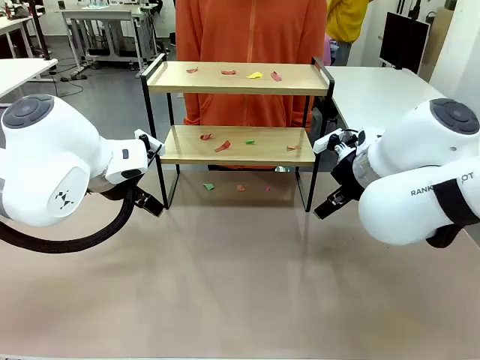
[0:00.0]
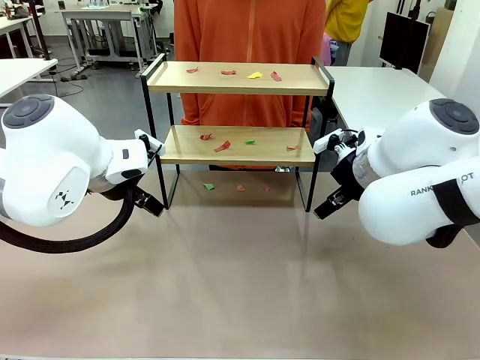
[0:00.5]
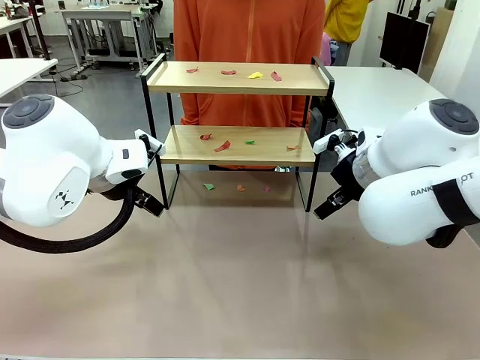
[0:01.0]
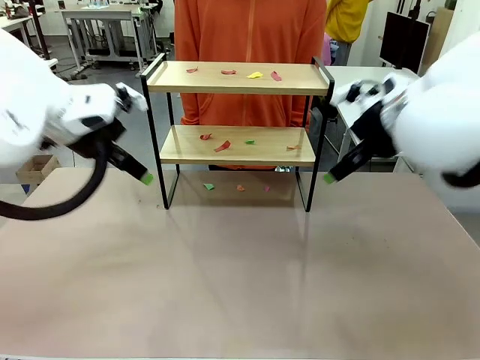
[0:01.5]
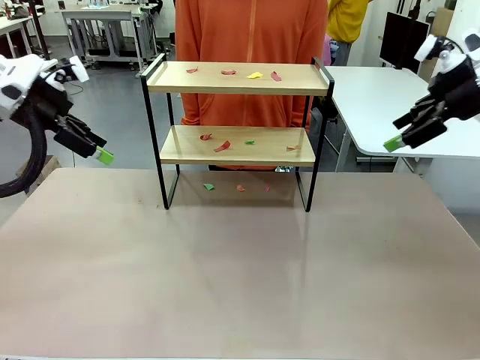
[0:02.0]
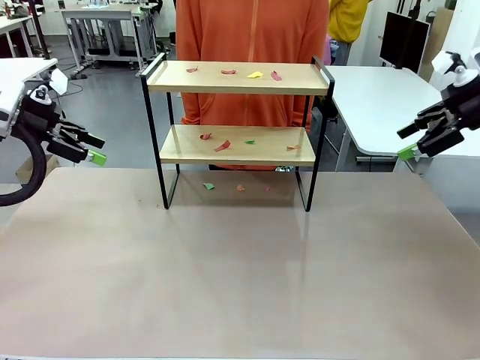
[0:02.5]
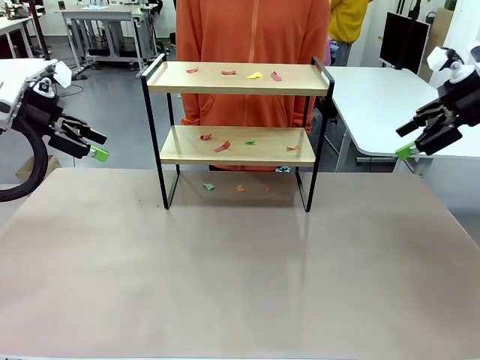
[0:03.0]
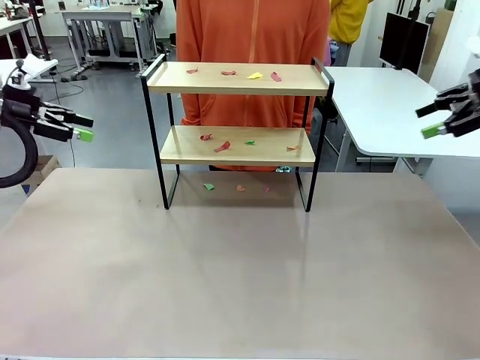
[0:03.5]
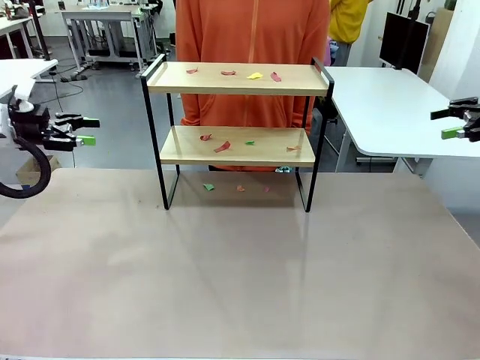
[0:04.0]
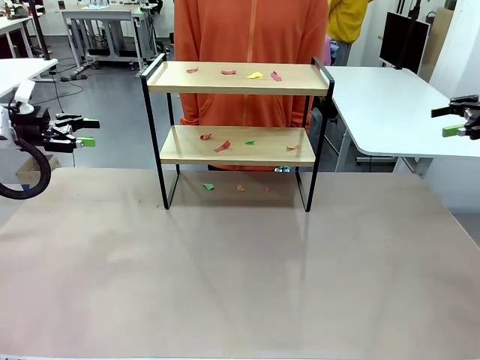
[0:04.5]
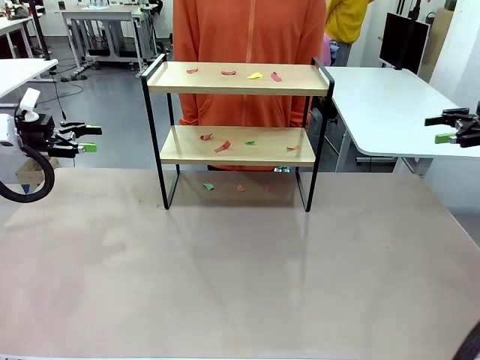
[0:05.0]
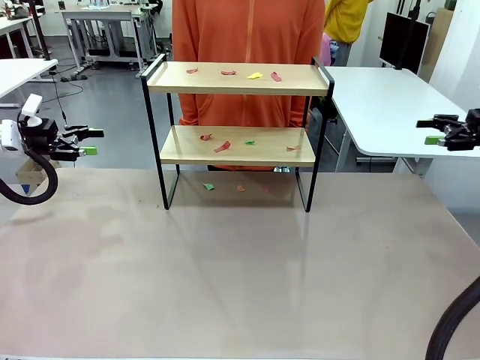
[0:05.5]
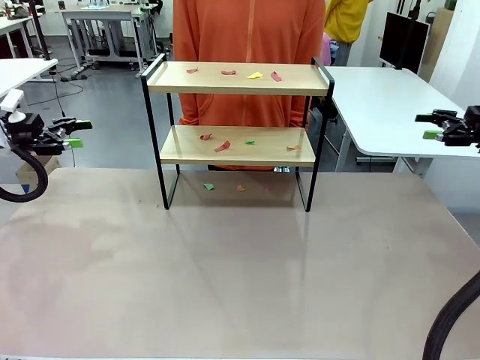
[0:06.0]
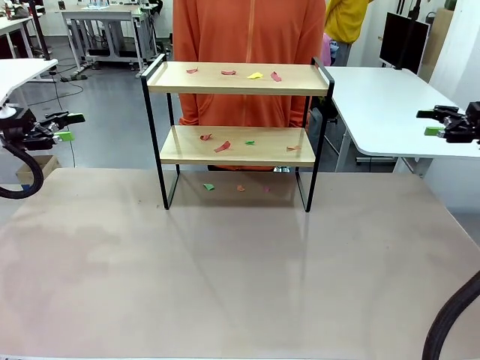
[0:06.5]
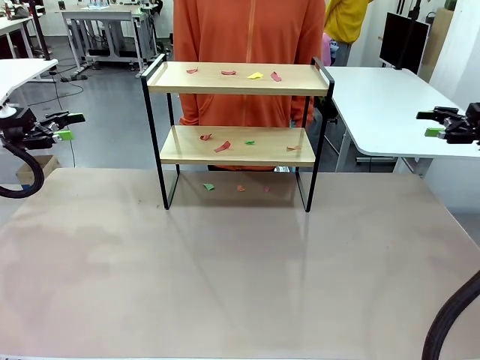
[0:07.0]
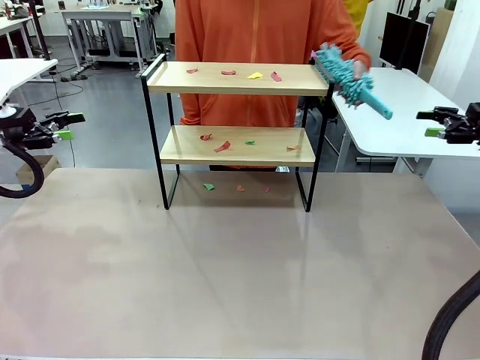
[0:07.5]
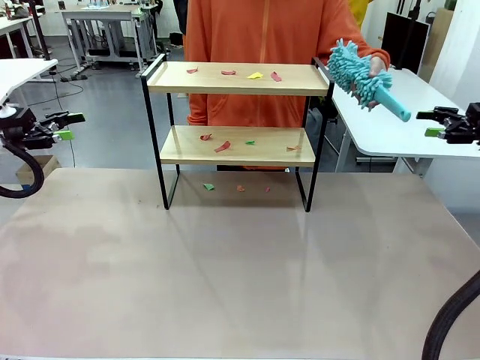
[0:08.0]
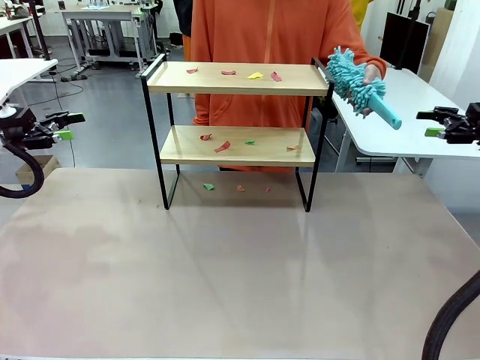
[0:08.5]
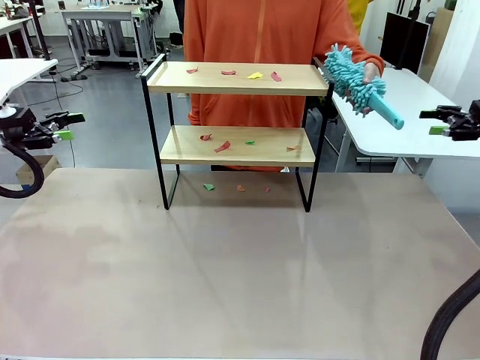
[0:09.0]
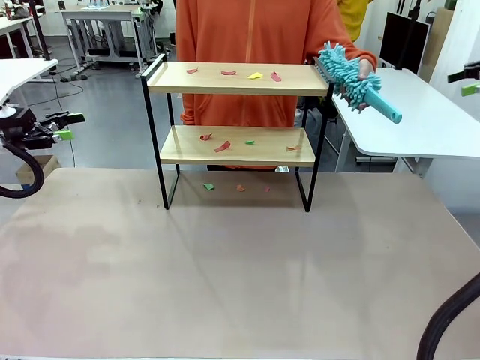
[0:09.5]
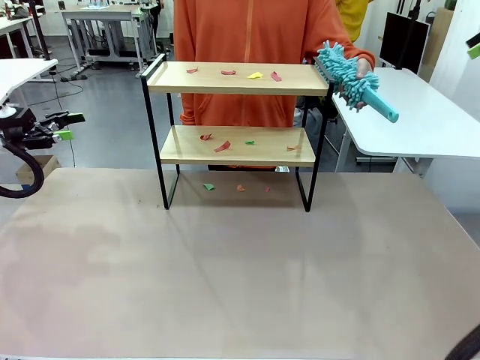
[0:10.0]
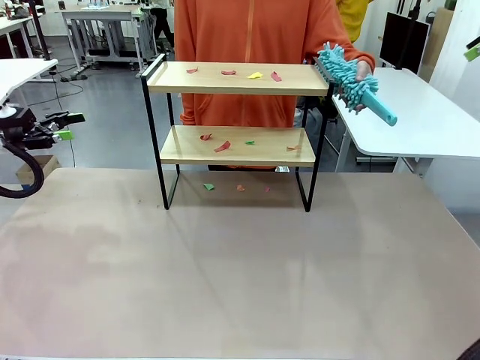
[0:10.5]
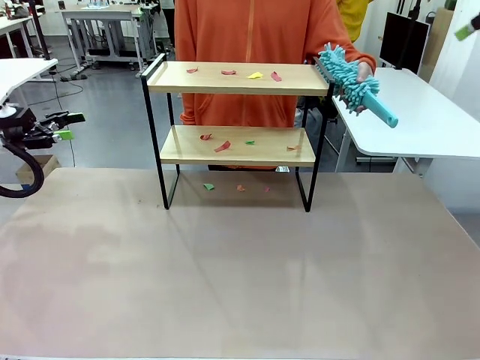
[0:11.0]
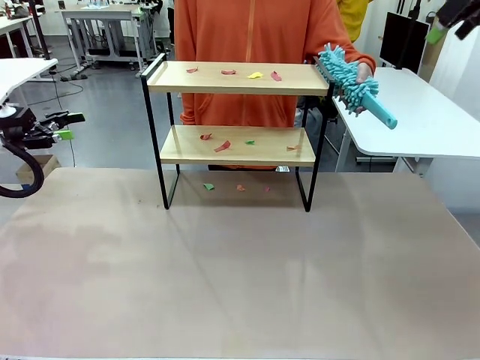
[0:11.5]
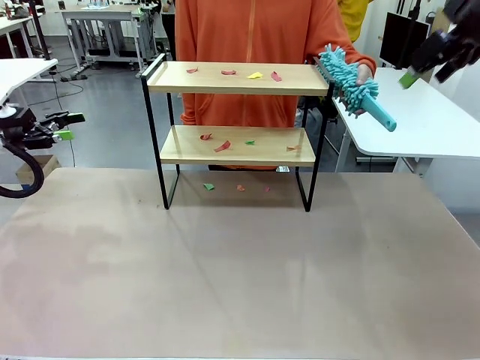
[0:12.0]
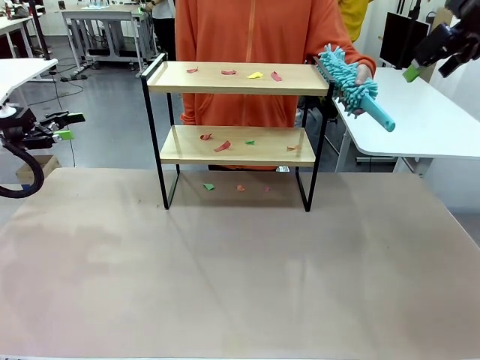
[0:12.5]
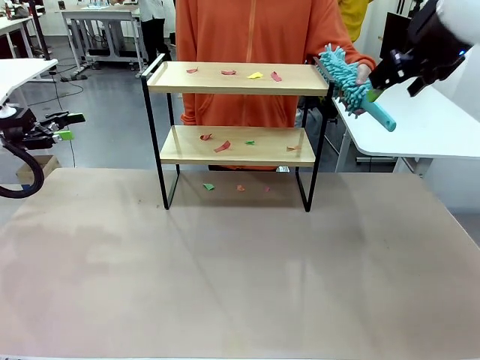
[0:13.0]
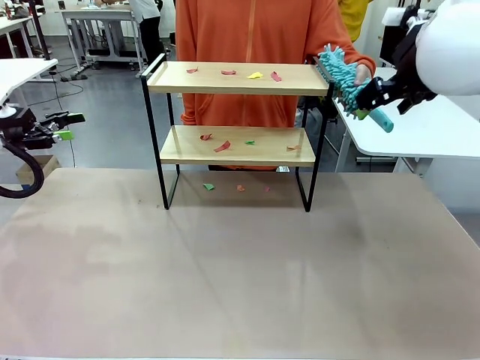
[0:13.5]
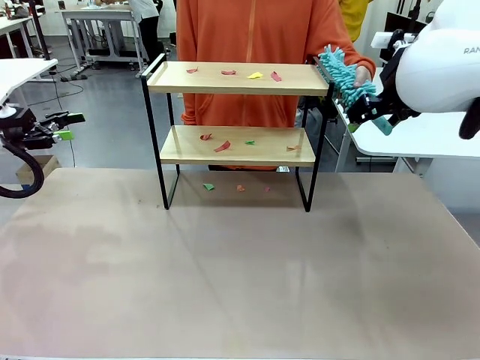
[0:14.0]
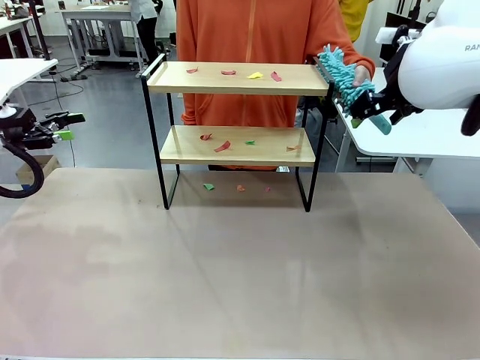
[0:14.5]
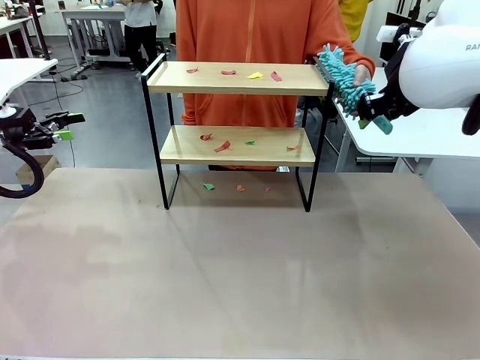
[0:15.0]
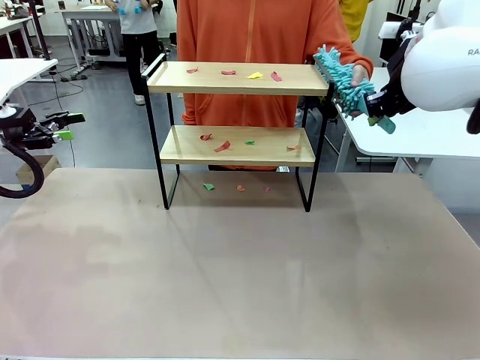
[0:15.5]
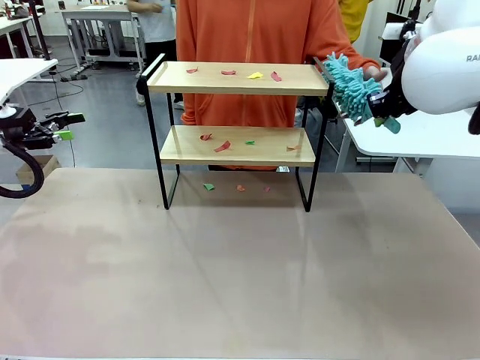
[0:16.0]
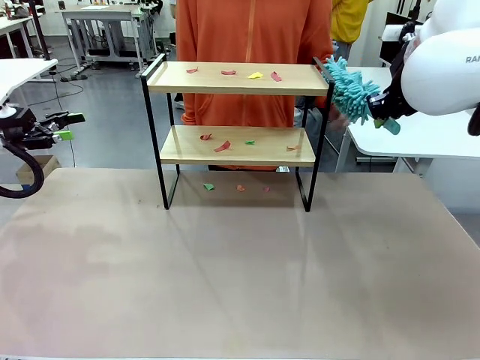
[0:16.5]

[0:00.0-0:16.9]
Task: Clean the shelf.
Robot: Pick up the Duster handed by the human.
Person: Hand the Duster to the robot.
